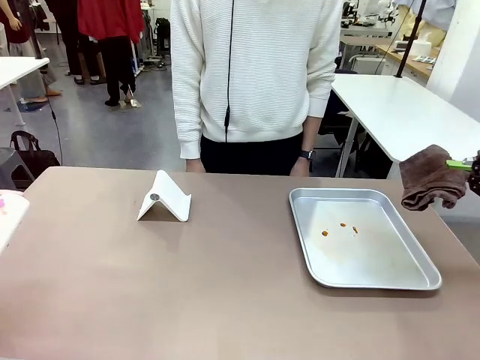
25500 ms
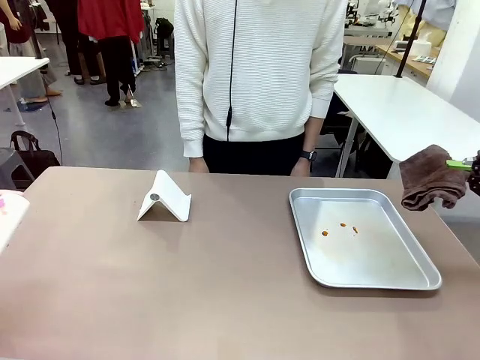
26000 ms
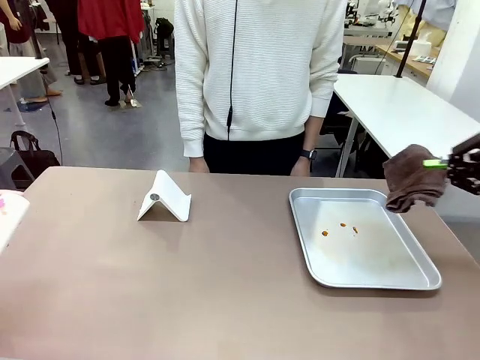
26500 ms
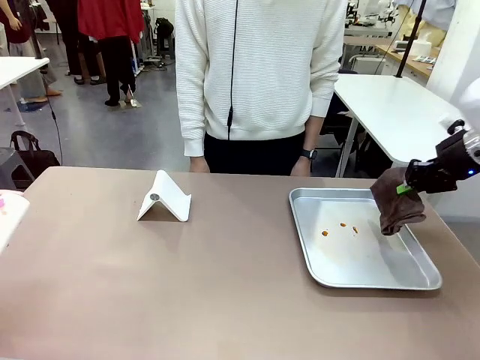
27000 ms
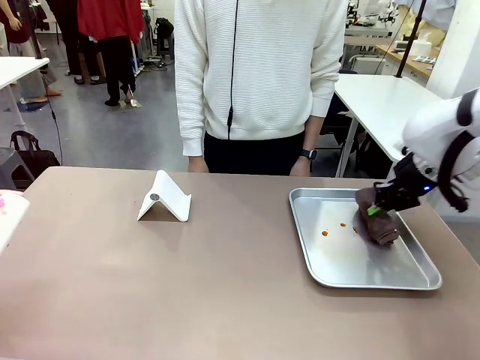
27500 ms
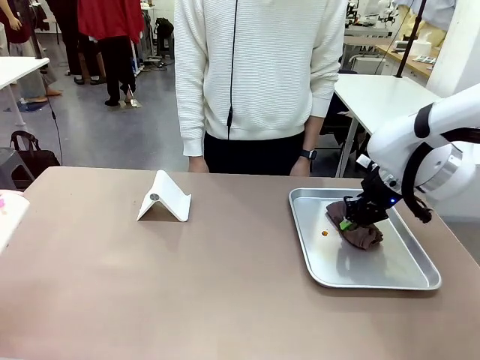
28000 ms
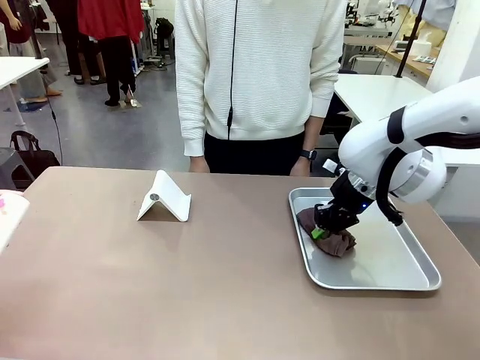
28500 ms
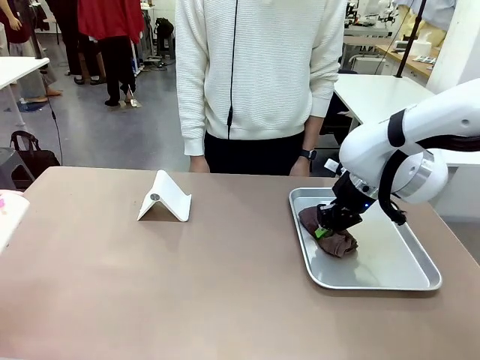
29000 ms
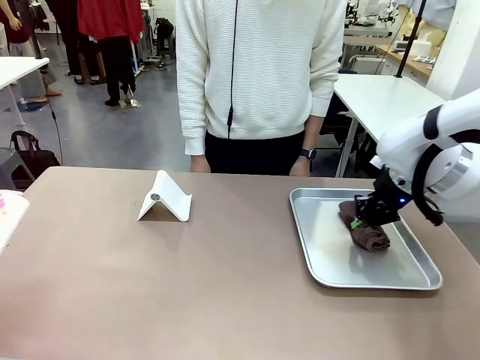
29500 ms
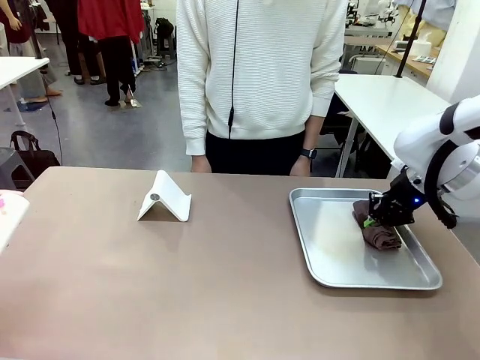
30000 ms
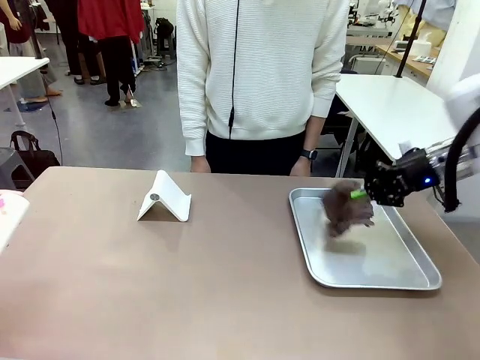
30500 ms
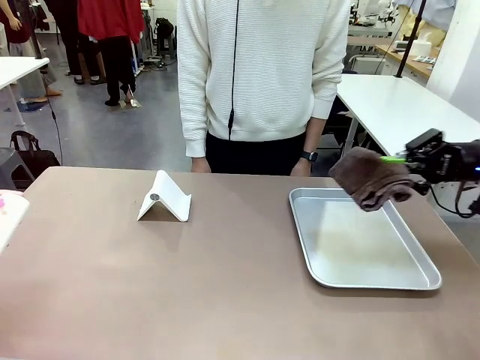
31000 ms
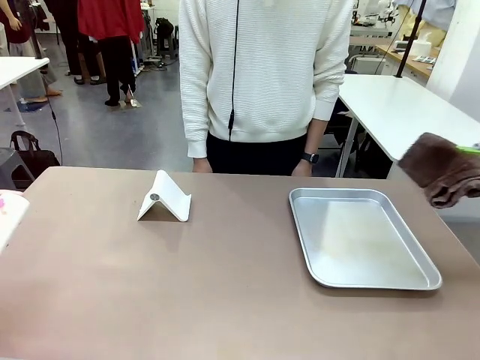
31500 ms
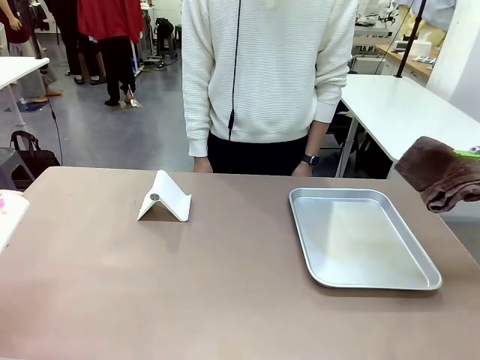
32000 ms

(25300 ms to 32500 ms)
Task: Clean the surface of the table.
Robot: Clean the area not pointed to by the person.

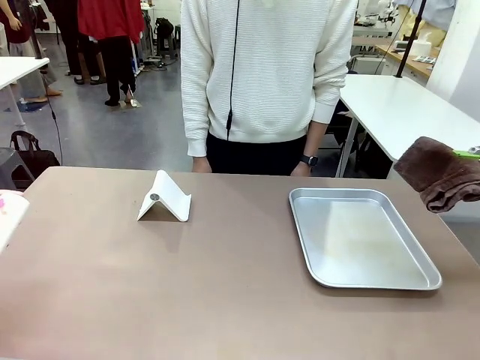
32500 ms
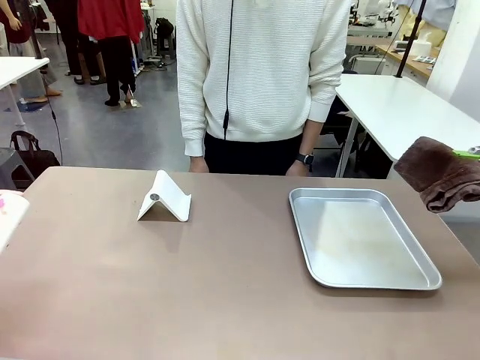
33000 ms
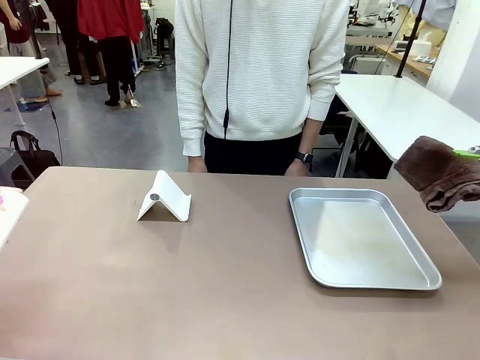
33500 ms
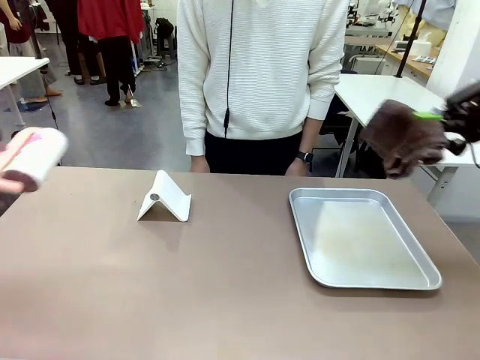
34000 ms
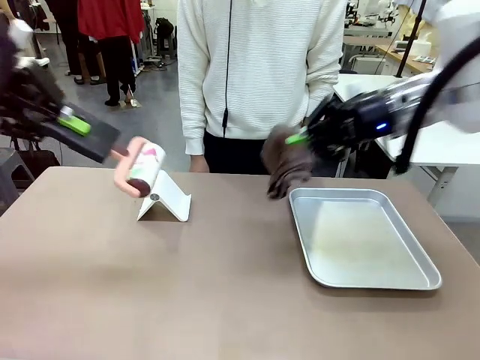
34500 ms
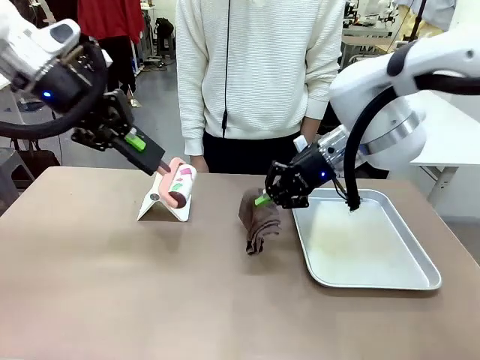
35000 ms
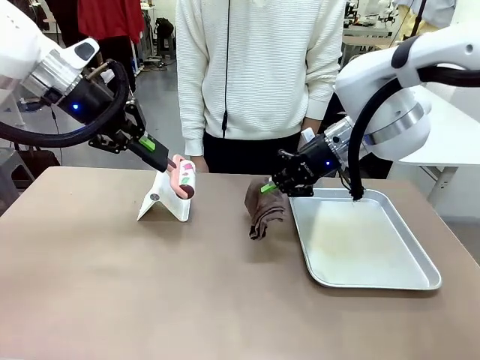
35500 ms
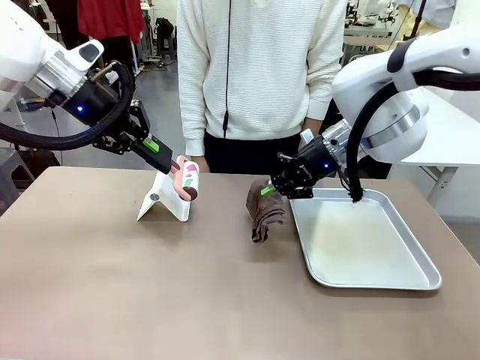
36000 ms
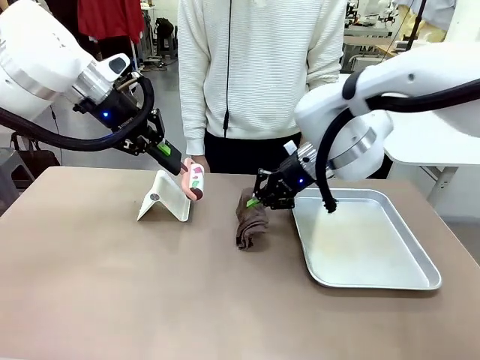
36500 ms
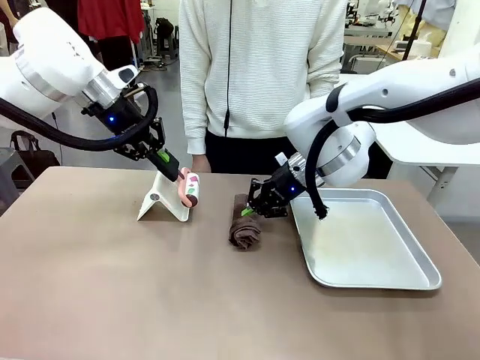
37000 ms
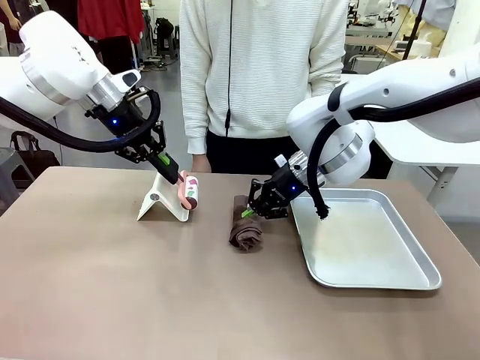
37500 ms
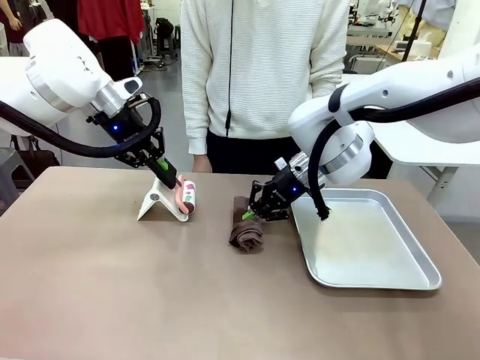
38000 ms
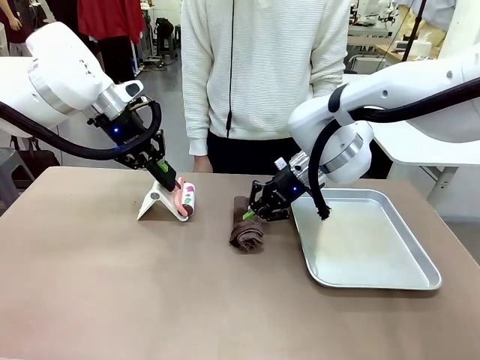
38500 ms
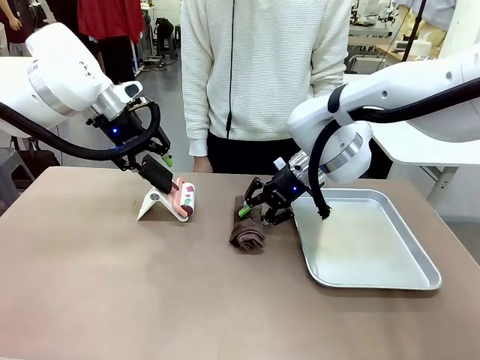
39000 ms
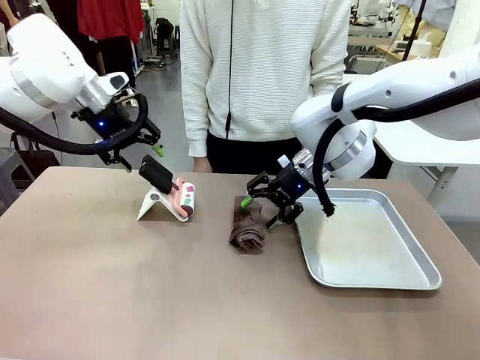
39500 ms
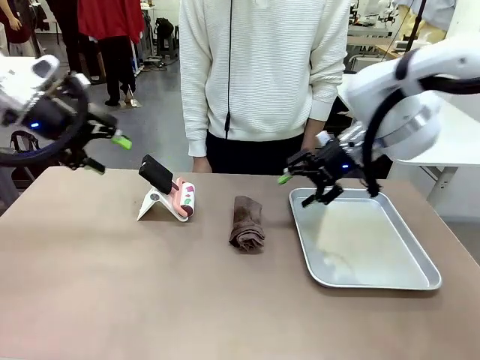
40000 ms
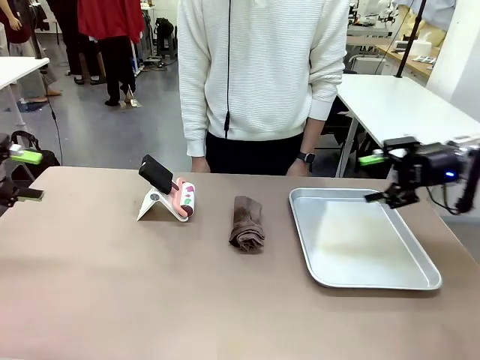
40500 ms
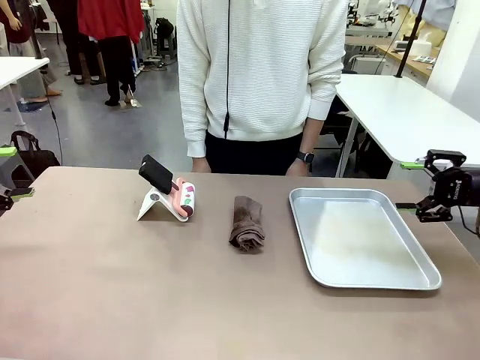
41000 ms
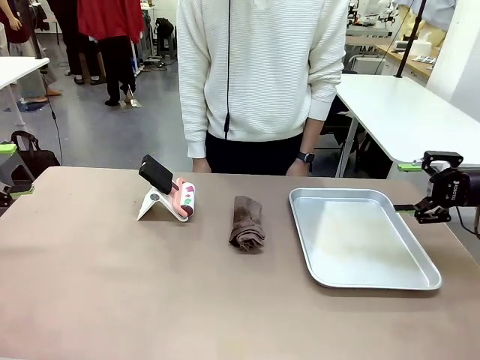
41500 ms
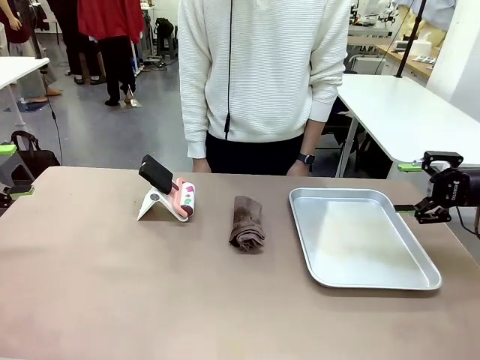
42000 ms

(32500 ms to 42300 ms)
Robot: Return the Lint Roller and towel to their original positions.

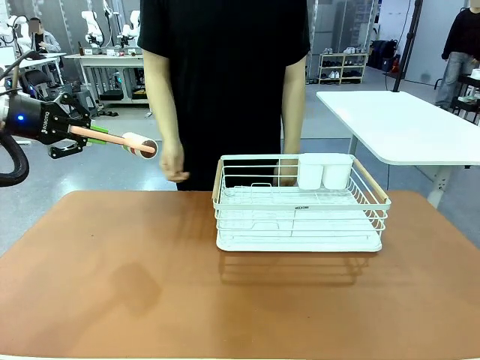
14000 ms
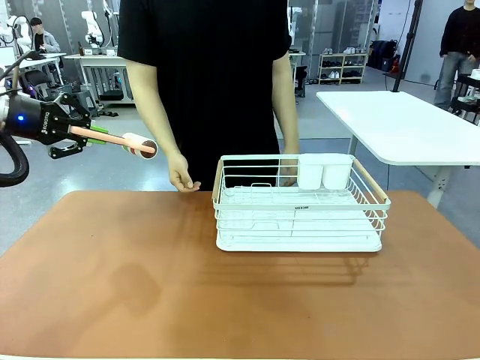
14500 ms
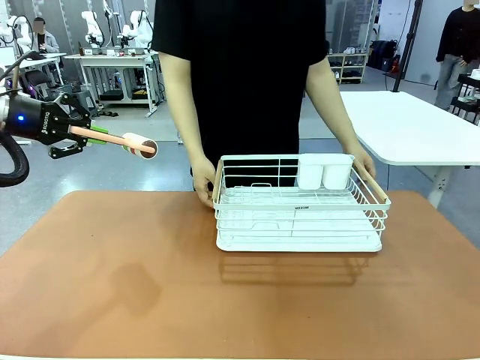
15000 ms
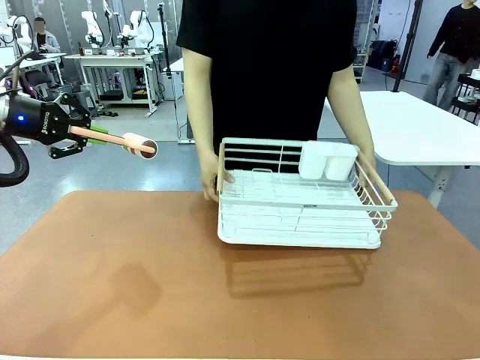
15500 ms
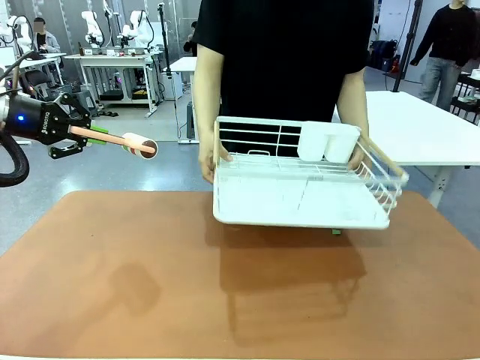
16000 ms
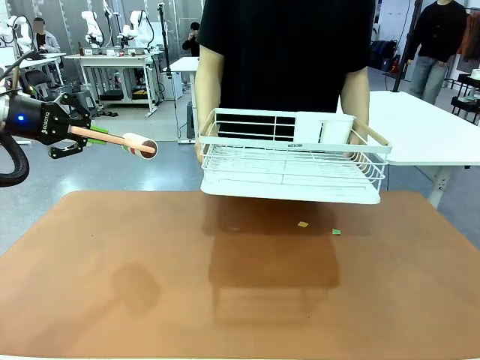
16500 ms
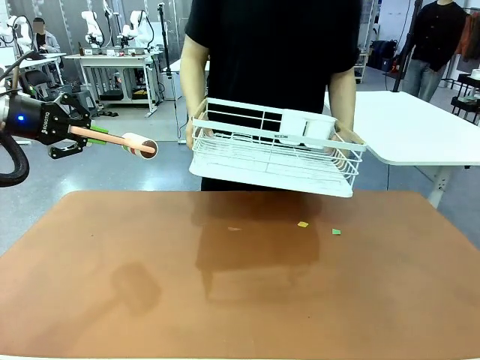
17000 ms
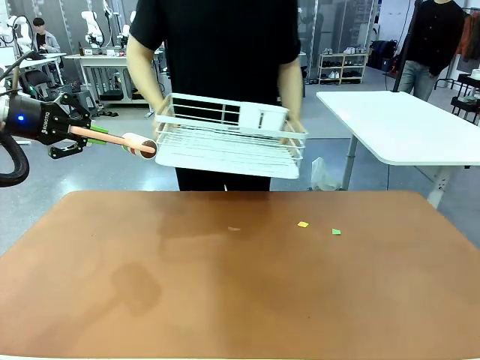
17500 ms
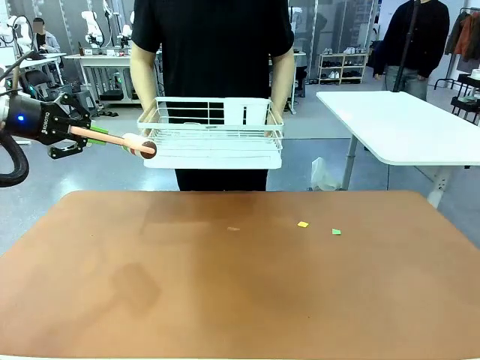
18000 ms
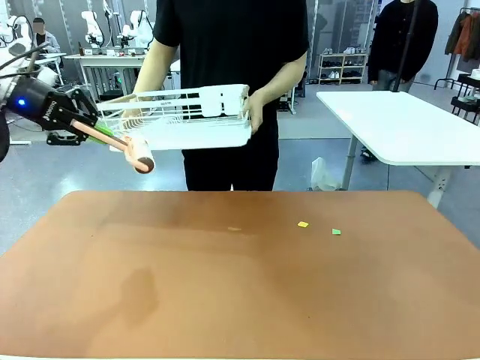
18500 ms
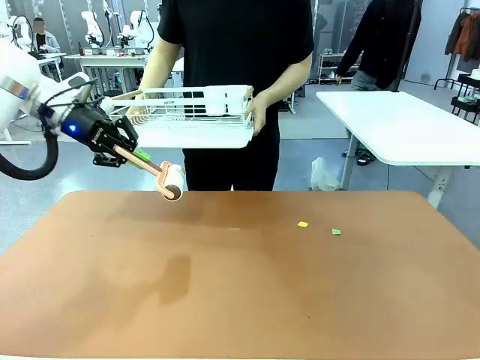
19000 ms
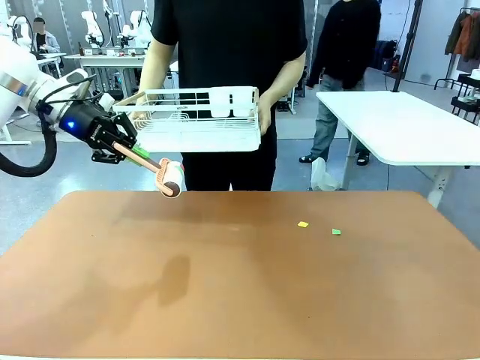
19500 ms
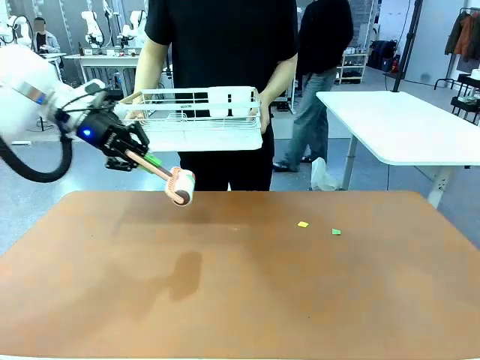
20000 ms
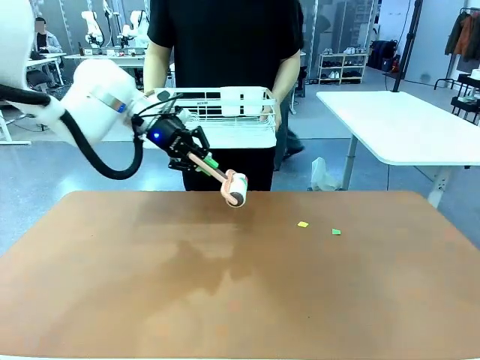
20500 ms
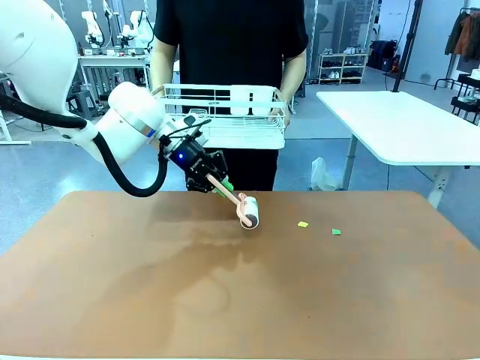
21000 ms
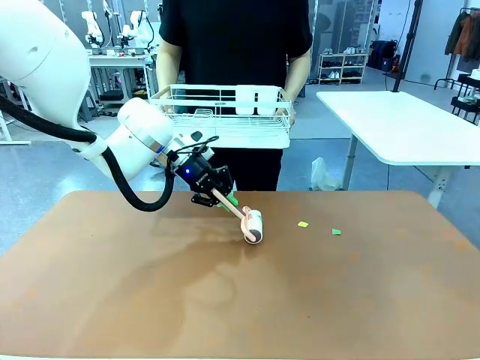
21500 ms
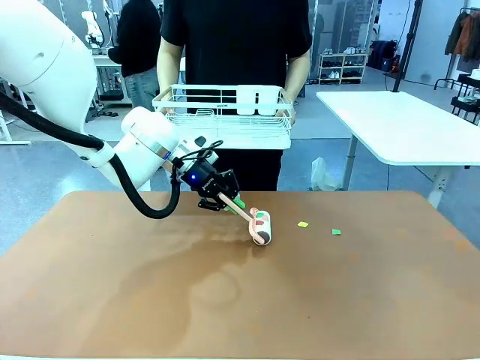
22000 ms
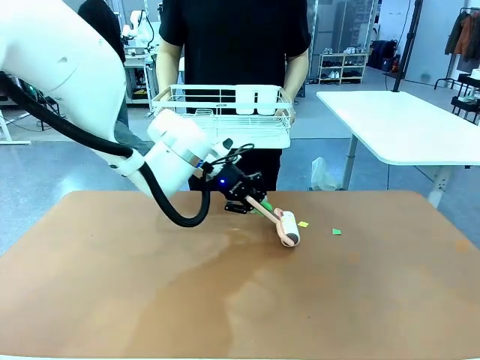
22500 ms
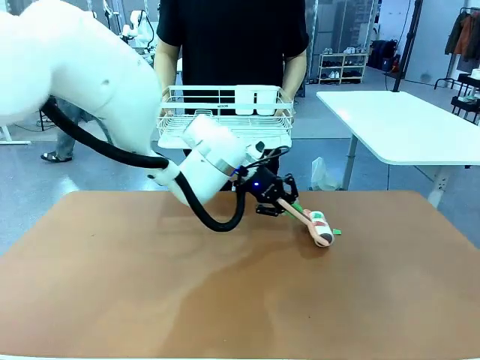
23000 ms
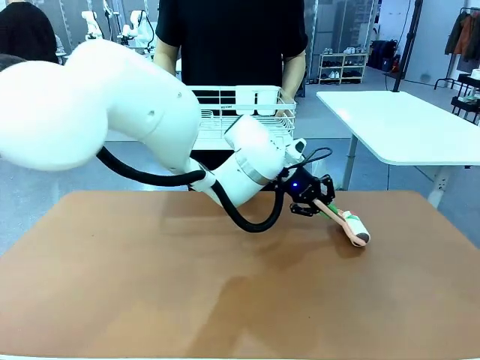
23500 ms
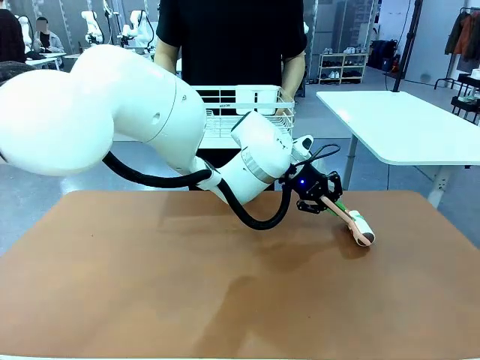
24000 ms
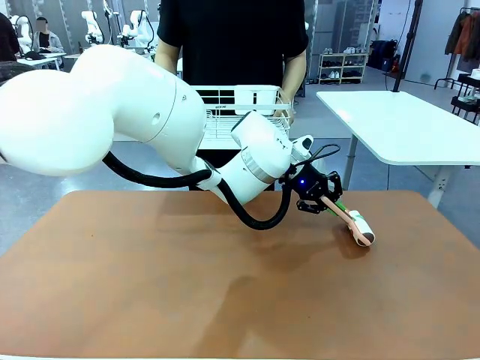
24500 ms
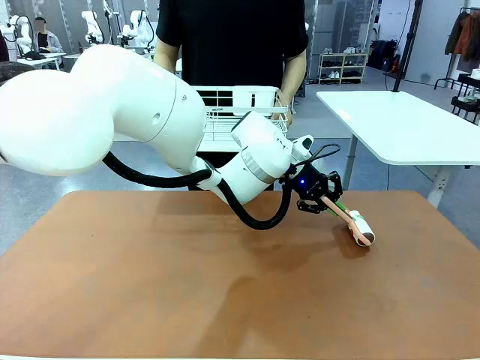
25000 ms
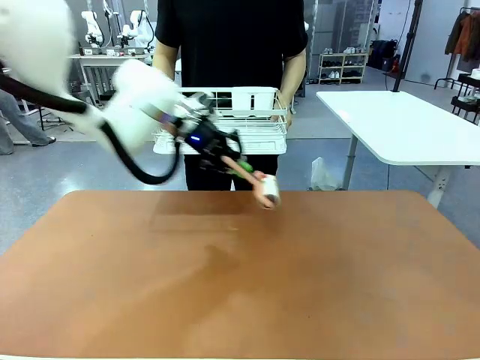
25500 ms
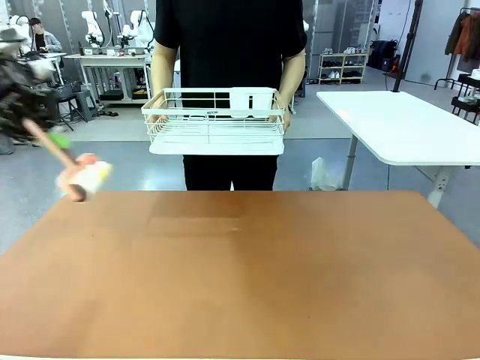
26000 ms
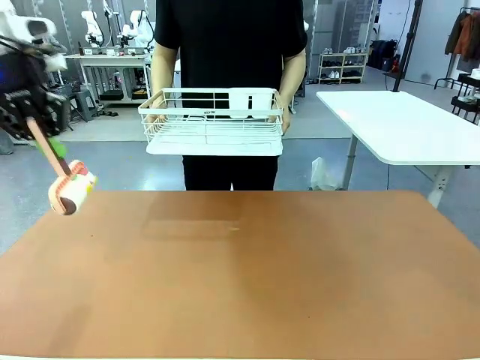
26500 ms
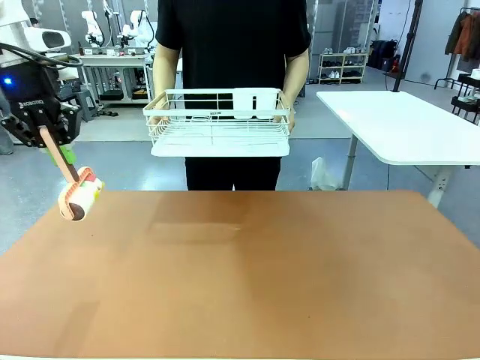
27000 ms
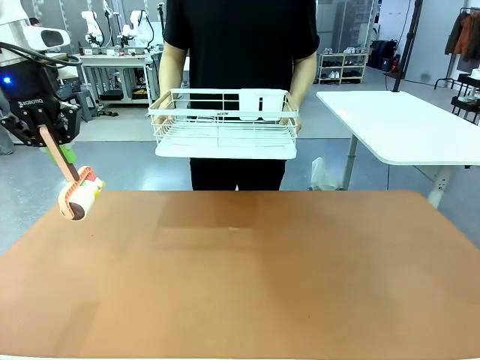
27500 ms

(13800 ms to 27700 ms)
Task: Clean the table.
Robot: Clean the table with the Lint Roller when the human lifts the Dish drying rack.
Person: Place the Dish drying rack down when the robot finishes cleaning.
